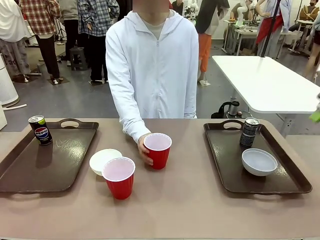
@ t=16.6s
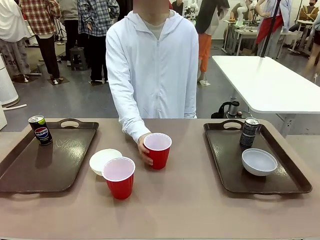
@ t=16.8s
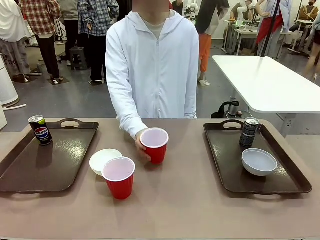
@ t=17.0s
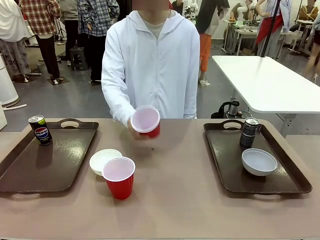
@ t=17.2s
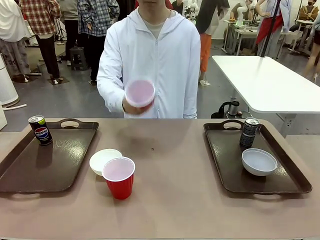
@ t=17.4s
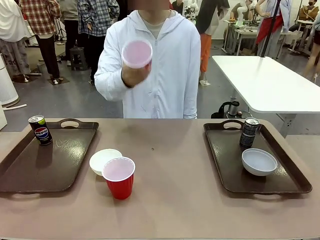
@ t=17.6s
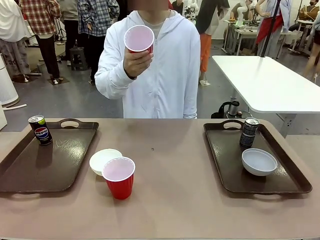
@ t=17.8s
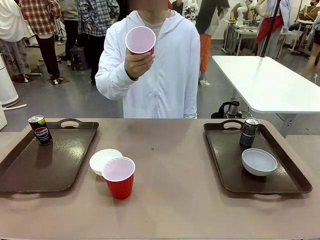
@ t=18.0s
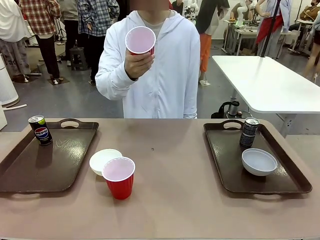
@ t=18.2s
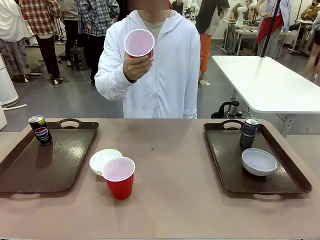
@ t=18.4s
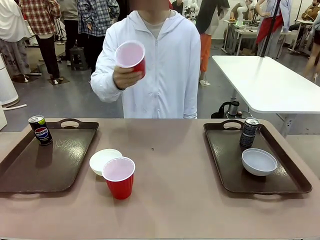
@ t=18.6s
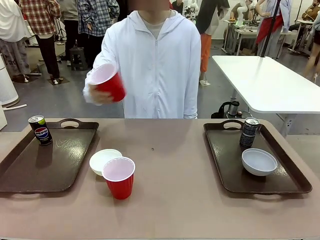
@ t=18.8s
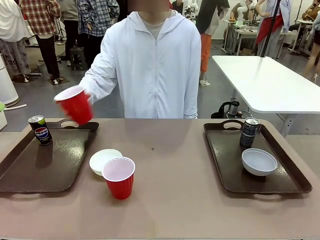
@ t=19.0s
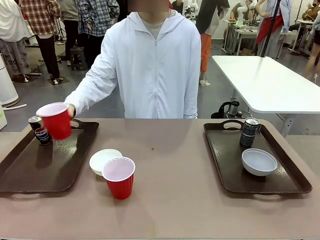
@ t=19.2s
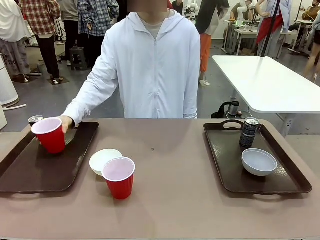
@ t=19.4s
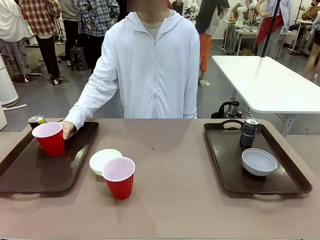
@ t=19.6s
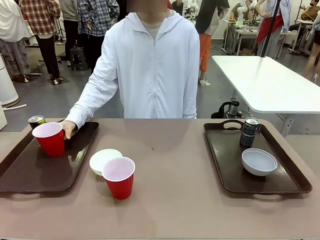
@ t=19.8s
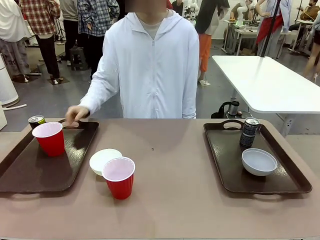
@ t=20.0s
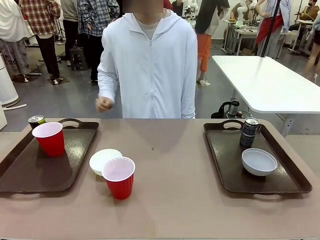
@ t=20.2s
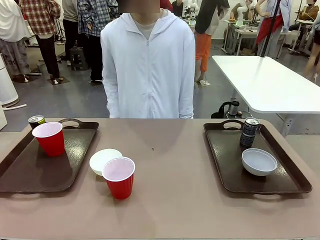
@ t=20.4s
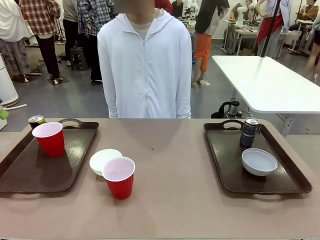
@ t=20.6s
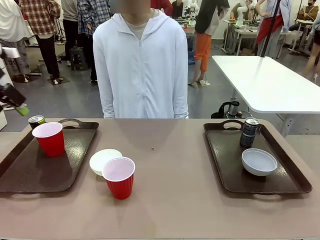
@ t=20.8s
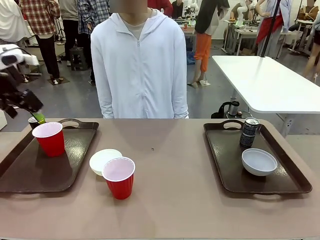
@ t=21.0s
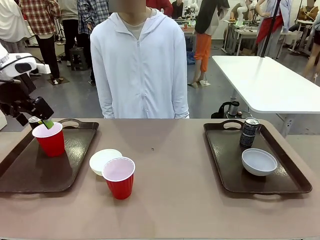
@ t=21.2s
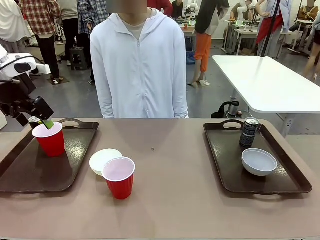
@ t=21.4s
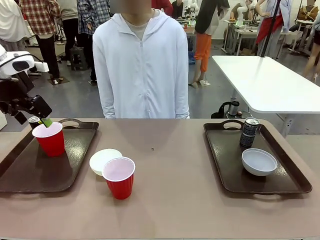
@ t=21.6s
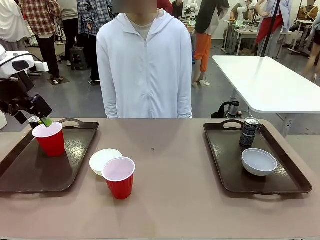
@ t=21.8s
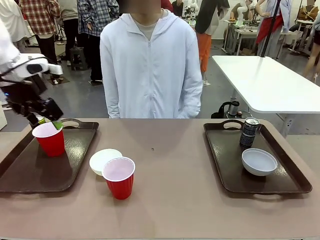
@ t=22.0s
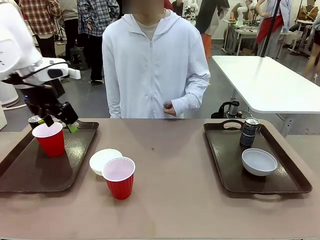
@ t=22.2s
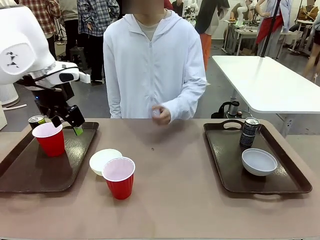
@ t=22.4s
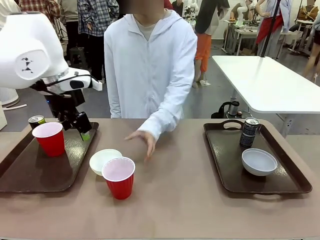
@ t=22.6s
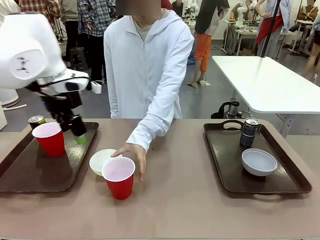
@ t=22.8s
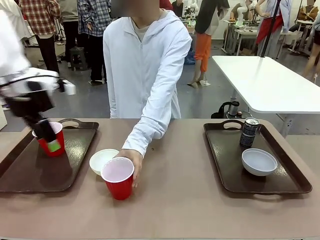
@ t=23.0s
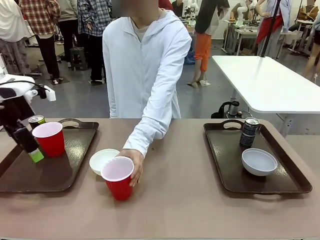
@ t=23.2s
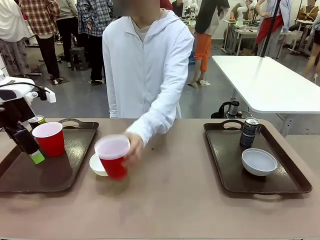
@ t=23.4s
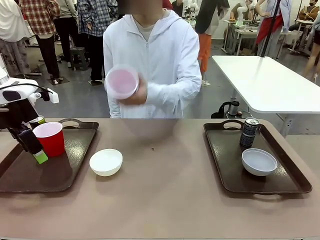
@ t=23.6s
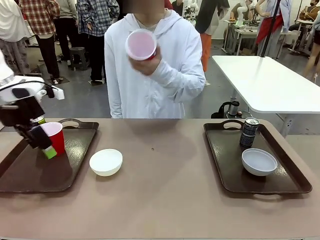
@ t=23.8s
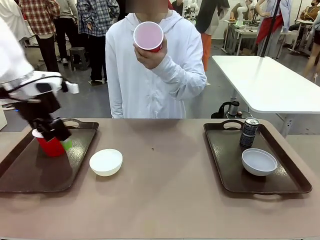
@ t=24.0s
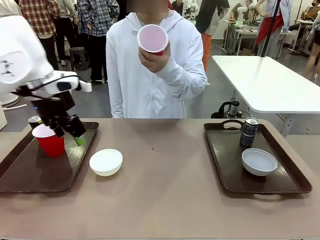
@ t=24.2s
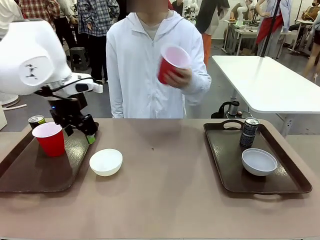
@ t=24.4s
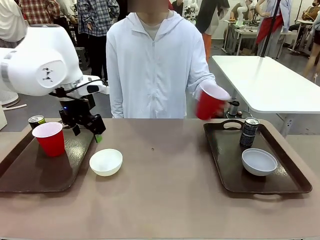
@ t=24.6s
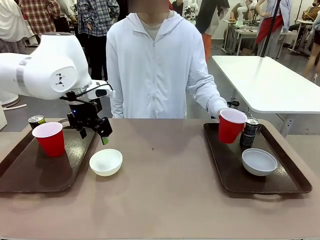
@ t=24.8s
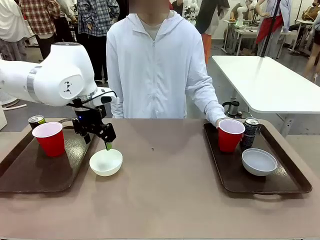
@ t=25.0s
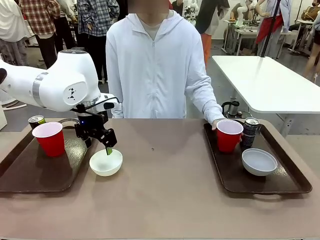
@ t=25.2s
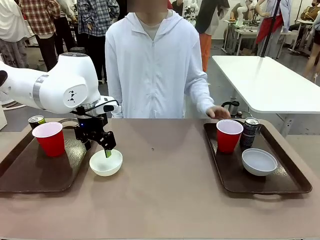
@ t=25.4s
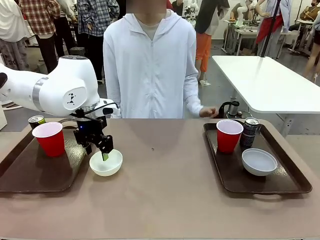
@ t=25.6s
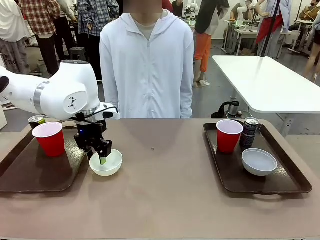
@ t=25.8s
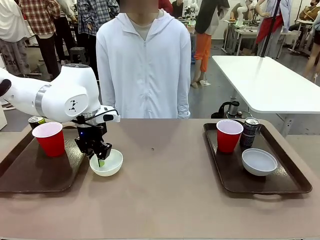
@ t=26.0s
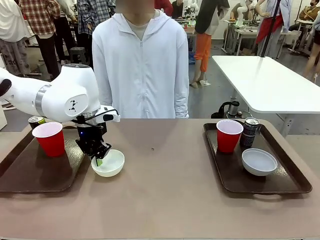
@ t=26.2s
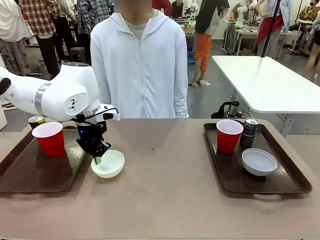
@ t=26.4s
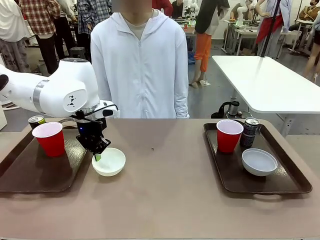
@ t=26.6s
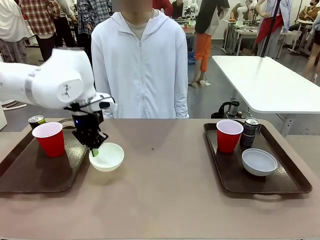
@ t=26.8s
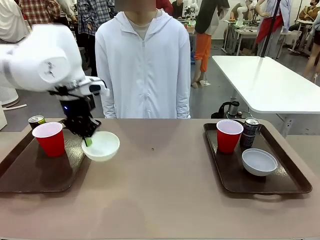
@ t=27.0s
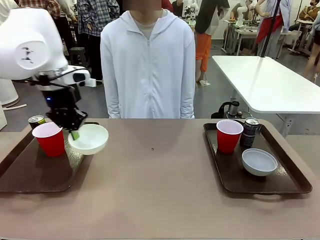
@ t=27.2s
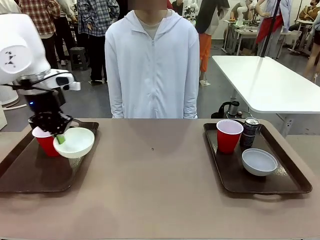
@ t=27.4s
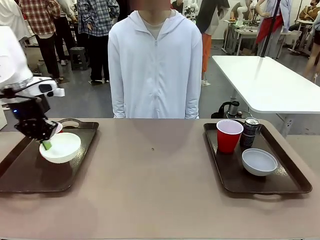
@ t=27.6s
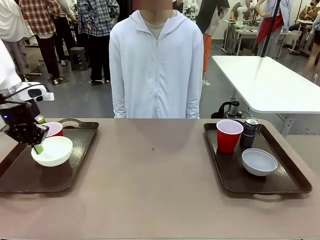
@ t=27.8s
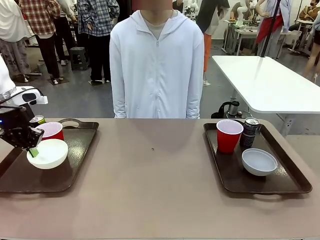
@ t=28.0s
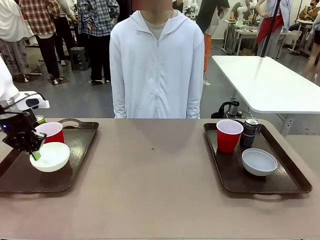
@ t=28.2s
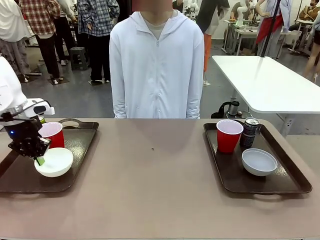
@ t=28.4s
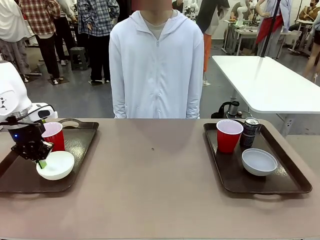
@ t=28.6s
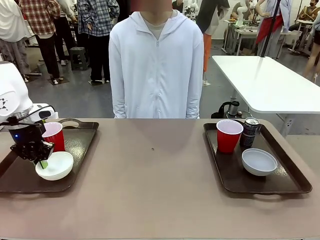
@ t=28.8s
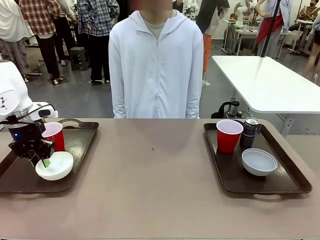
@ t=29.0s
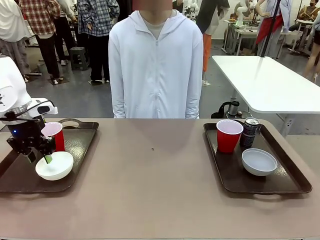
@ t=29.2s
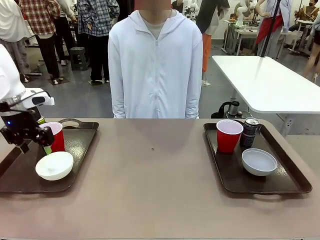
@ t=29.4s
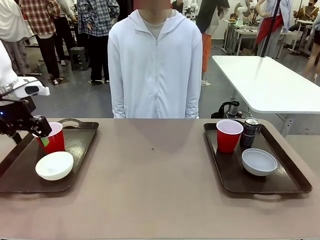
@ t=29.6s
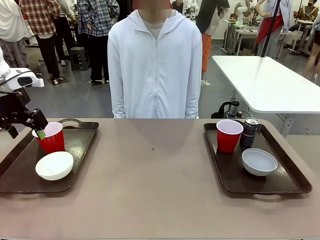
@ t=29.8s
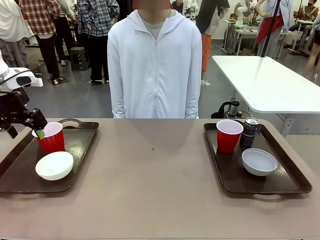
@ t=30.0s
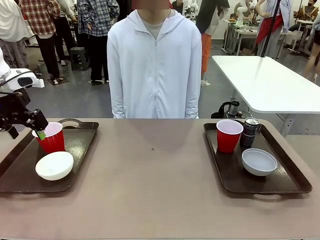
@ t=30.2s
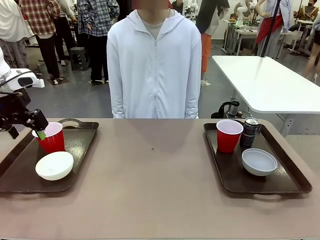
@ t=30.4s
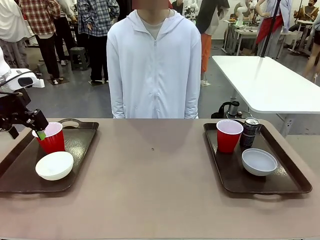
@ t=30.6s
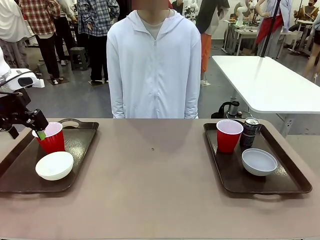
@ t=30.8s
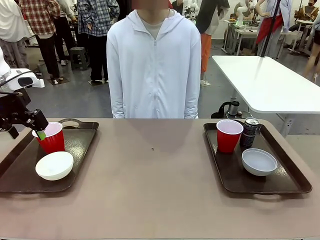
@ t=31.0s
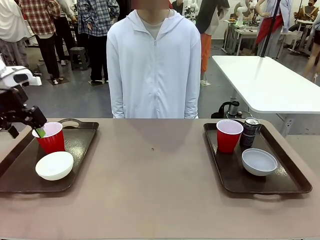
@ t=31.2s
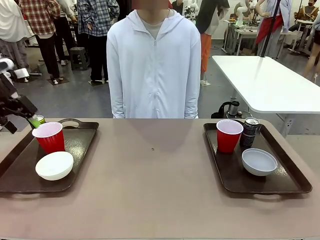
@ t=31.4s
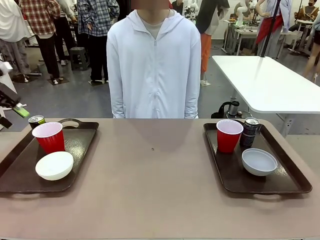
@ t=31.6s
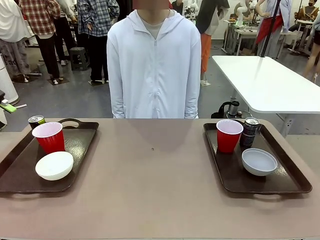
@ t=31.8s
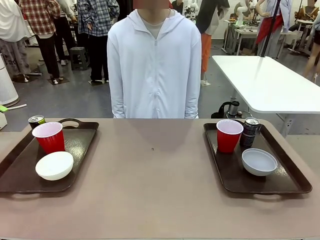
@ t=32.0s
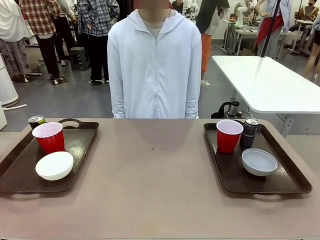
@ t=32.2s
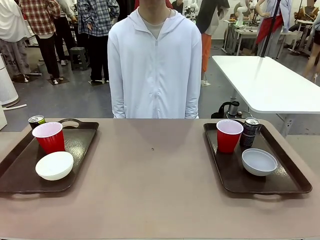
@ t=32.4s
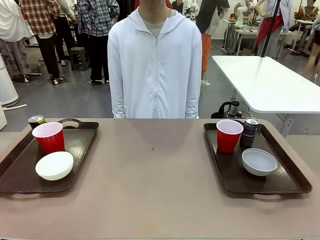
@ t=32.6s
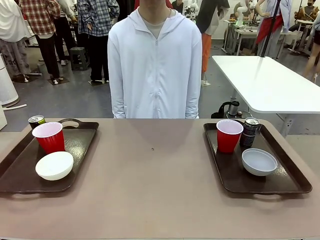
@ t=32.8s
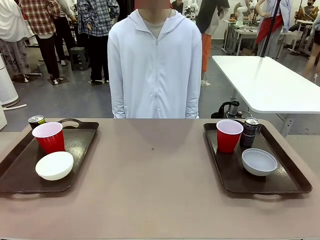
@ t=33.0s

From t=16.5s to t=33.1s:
Task: Prepare tableware on both trays.
Robot: Pick up a Picnic Bowl from the table and place it on a Handle tray.
Person: Pick up a can or cup and place it on the tray without a can or cup.
